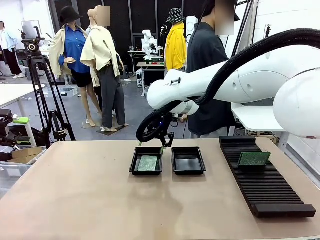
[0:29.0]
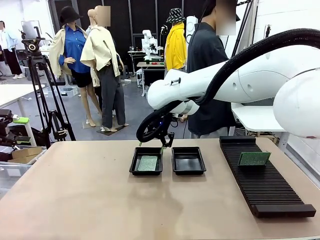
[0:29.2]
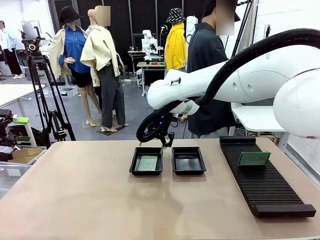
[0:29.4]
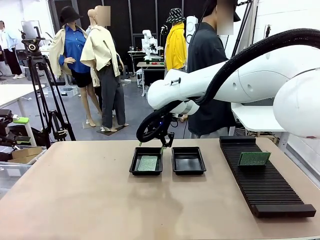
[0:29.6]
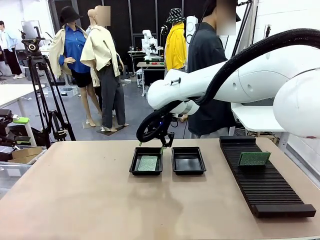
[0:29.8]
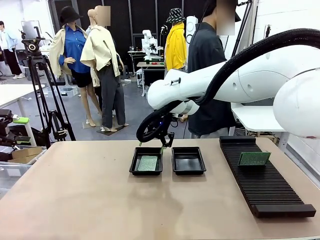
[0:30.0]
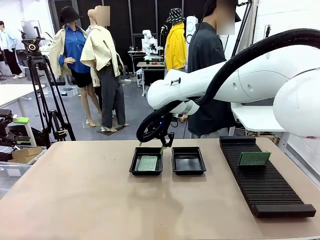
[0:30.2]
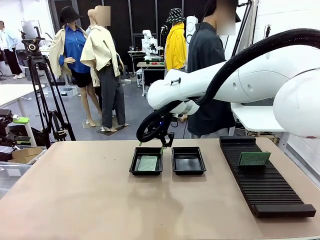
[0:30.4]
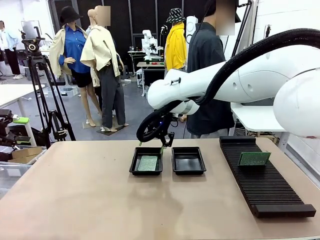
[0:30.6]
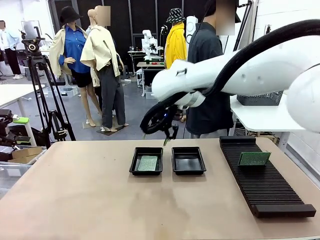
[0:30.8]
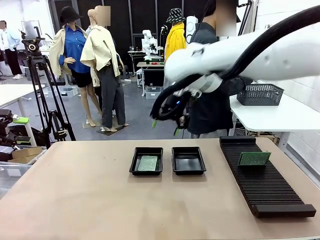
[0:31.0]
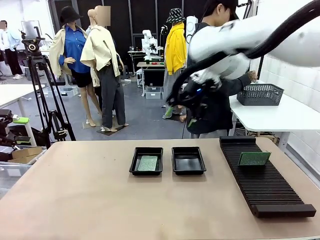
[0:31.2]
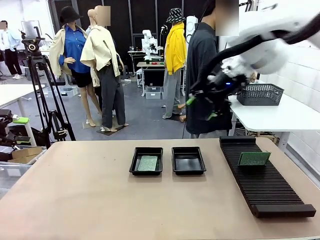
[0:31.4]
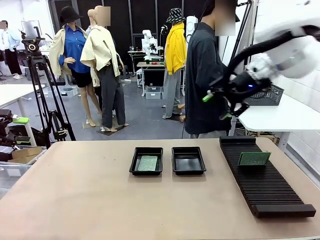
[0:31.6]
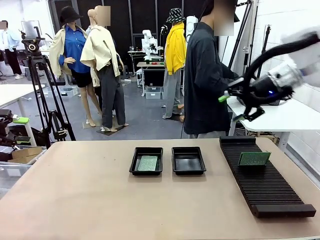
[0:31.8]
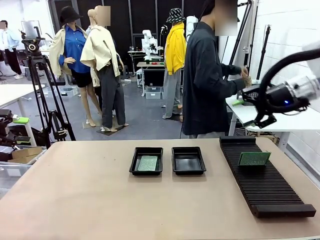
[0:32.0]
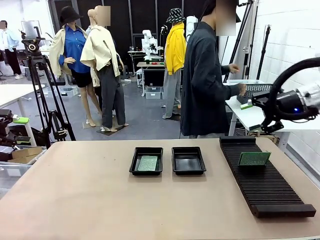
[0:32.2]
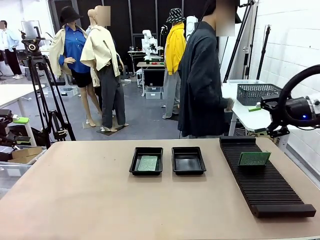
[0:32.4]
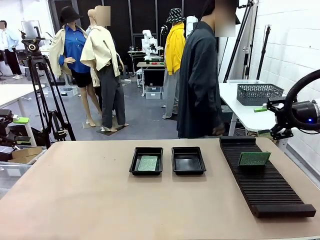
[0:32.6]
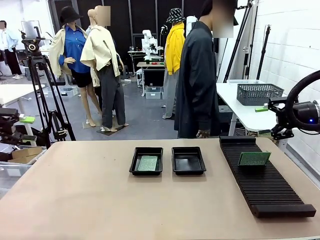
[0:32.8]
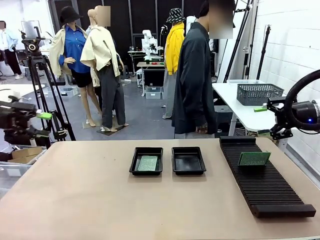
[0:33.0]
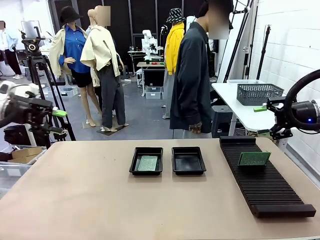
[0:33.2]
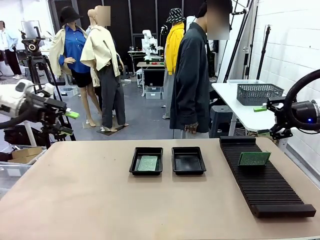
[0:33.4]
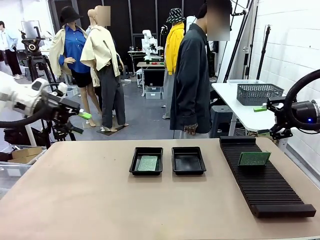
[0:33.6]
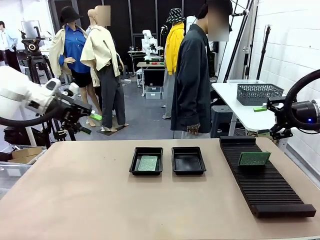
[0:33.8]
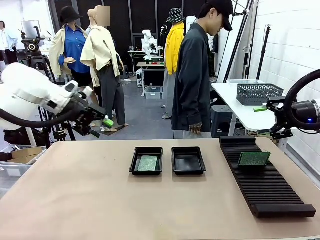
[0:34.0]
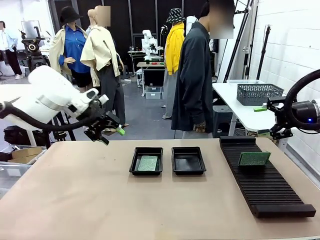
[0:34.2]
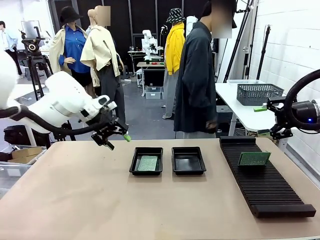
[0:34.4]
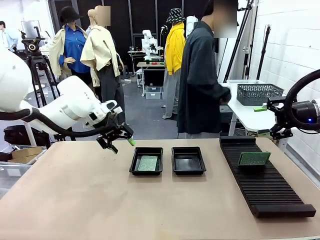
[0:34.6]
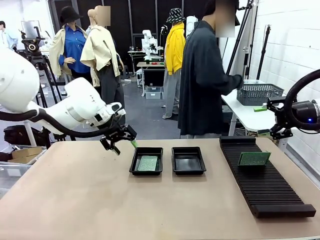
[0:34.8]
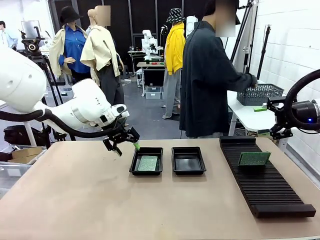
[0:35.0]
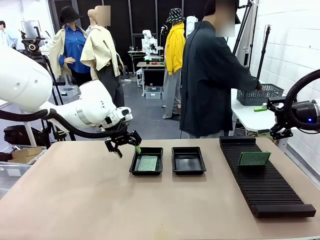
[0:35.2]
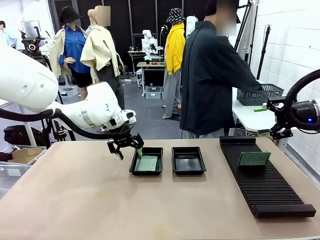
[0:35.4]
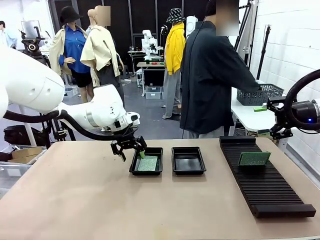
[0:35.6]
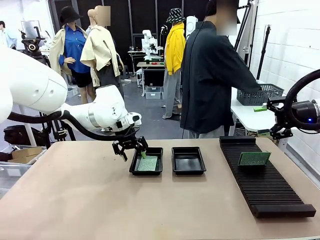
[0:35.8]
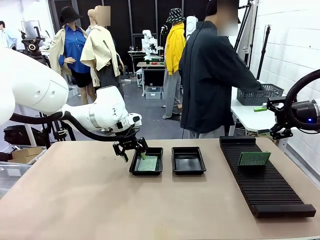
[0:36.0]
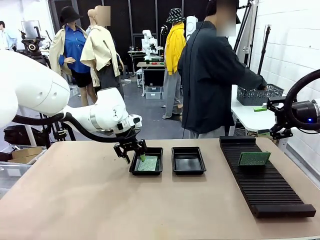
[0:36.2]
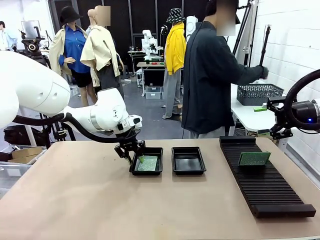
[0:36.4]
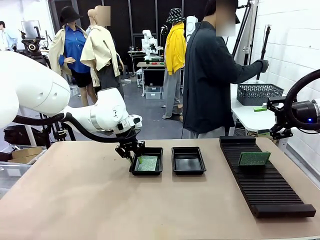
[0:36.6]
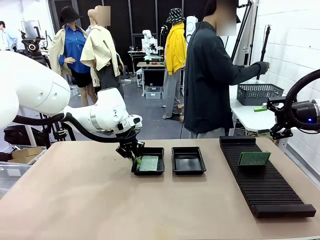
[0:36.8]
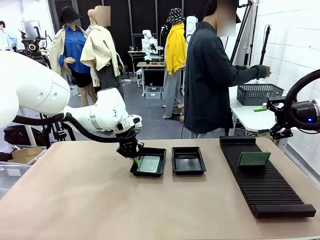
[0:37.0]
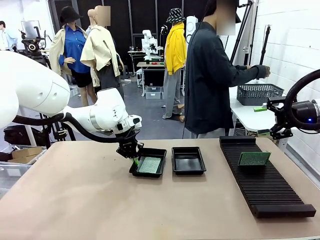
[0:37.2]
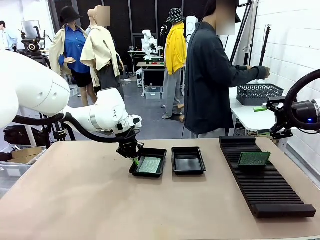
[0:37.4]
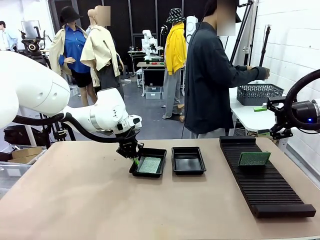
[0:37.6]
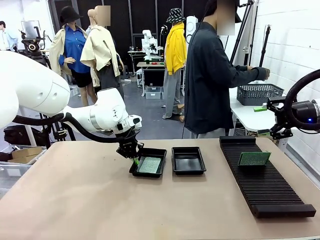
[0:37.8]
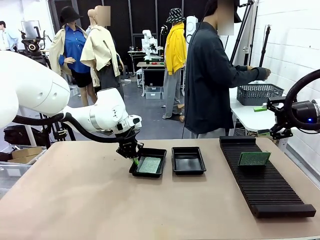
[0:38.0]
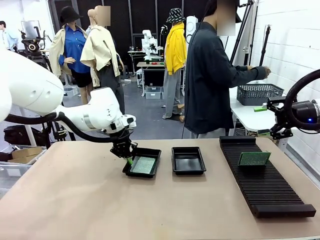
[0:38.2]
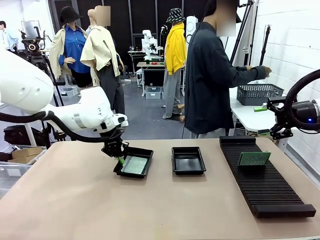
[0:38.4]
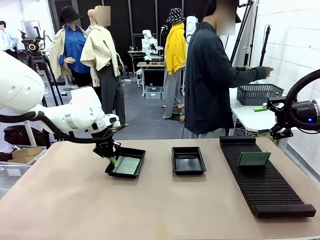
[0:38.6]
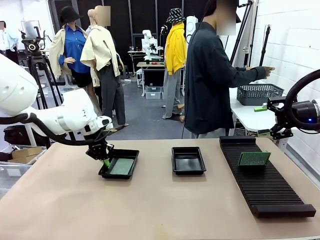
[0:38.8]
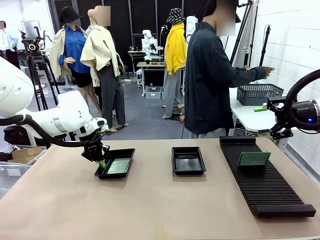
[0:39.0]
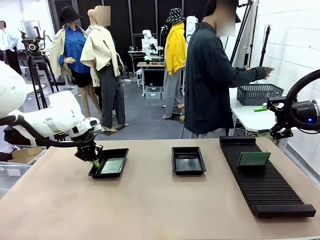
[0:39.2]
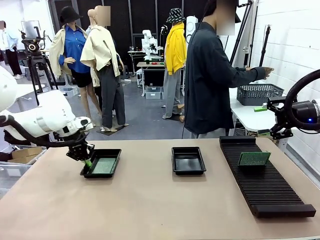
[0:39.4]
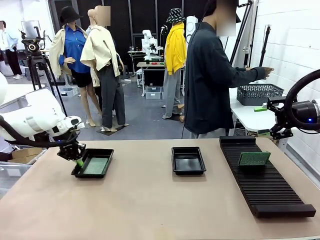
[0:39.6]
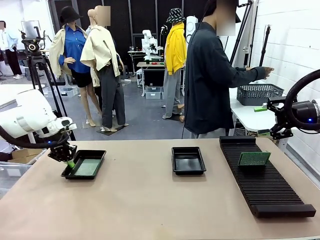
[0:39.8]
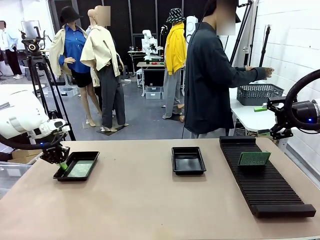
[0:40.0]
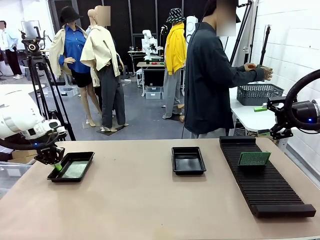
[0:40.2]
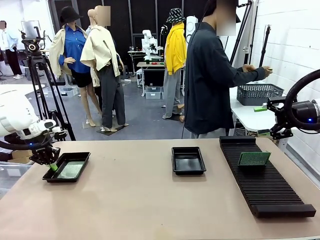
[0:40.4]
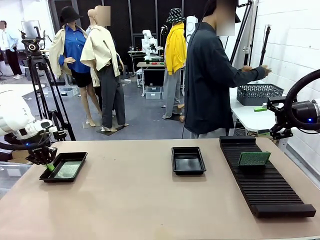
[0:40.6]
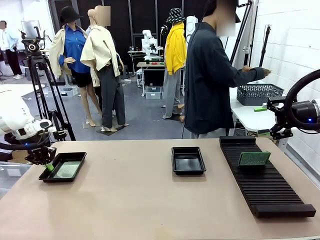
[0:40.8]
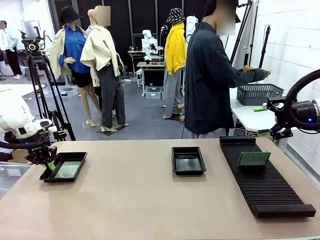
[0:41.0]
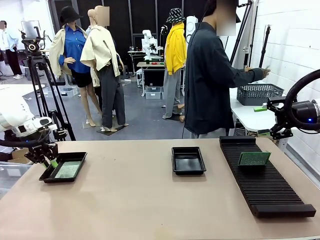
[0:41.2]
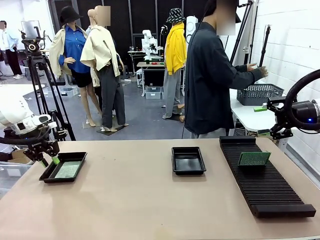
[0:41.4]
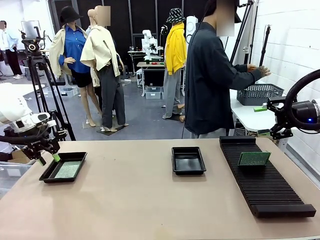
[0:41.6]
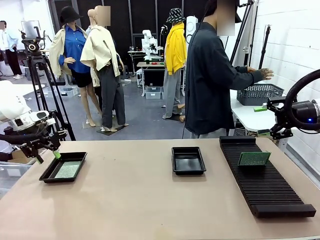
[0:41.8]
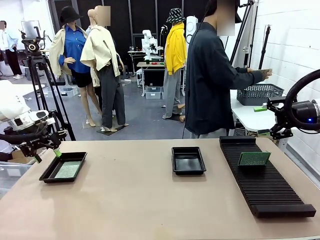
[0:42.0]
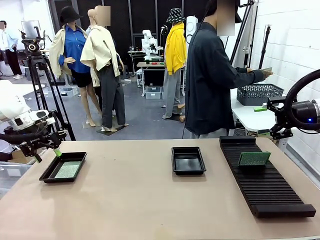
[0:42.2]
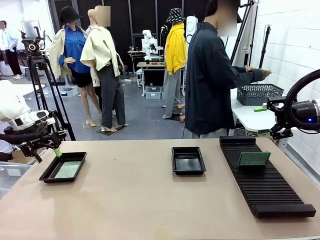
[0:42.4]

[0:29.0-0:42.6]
Task: Inspect and transfer BCBs to ESD trays.
Robot: Pick up the ESD tray and place it on the left side of the table.

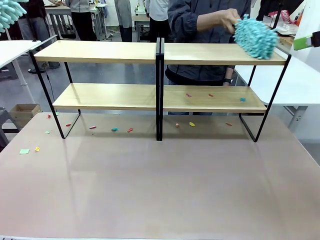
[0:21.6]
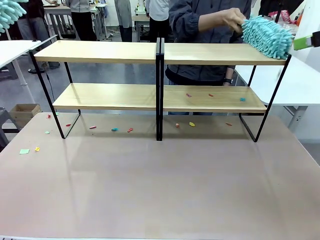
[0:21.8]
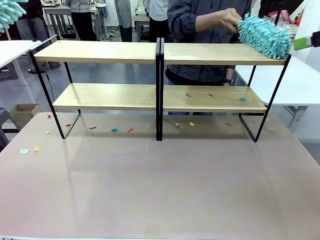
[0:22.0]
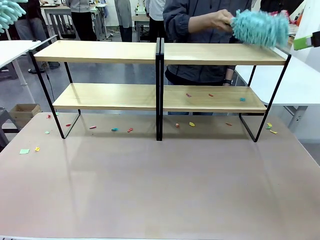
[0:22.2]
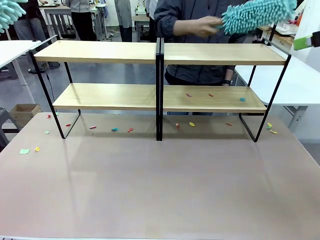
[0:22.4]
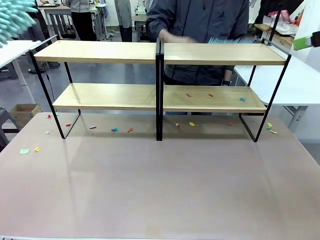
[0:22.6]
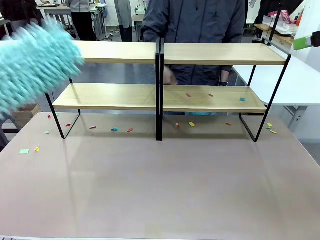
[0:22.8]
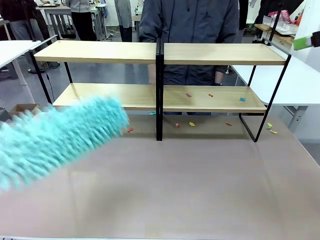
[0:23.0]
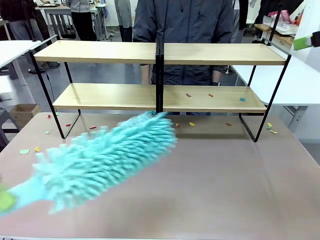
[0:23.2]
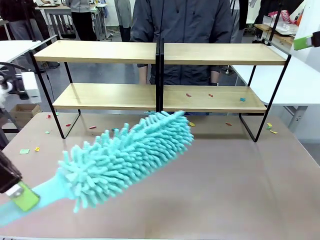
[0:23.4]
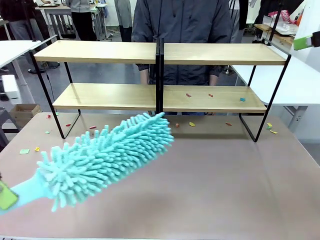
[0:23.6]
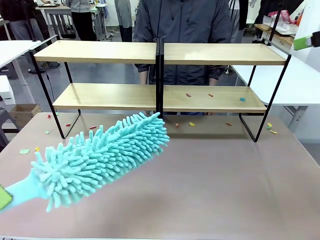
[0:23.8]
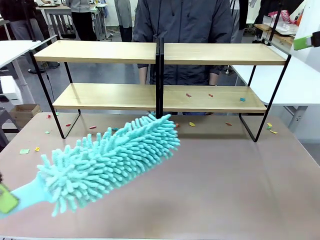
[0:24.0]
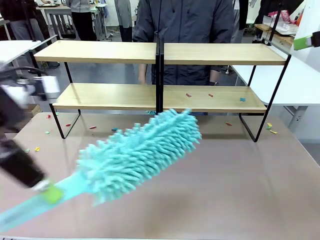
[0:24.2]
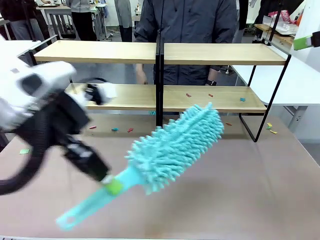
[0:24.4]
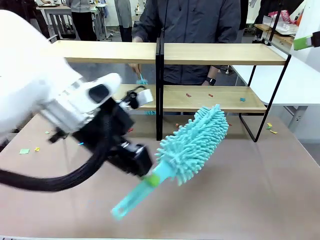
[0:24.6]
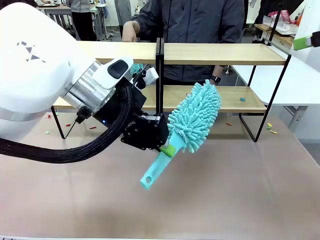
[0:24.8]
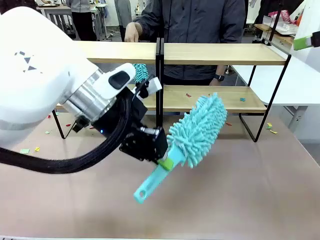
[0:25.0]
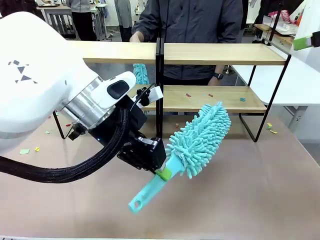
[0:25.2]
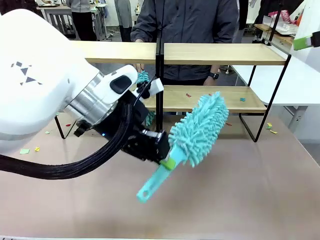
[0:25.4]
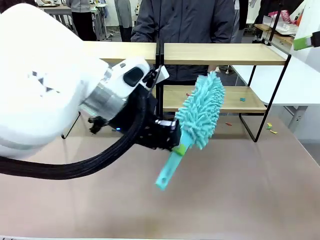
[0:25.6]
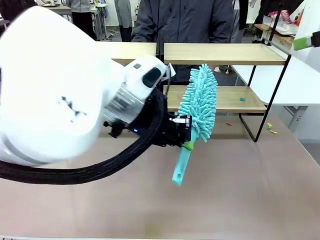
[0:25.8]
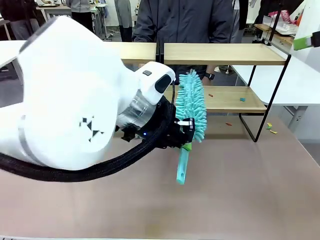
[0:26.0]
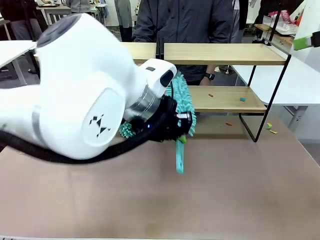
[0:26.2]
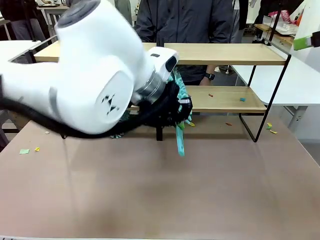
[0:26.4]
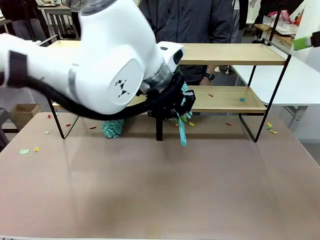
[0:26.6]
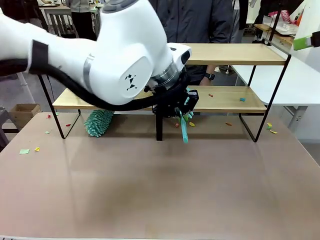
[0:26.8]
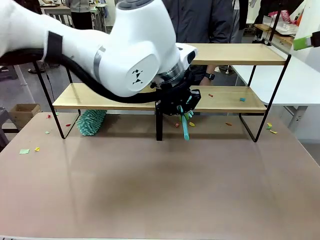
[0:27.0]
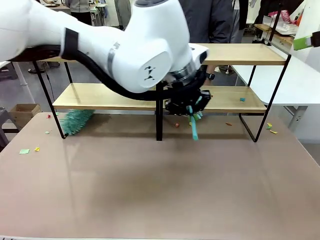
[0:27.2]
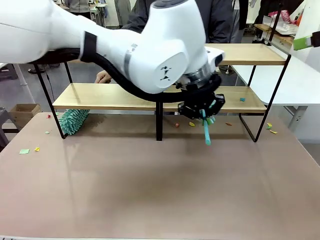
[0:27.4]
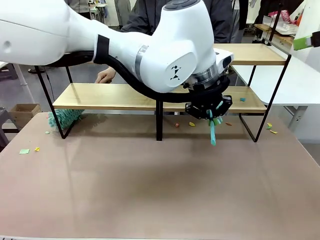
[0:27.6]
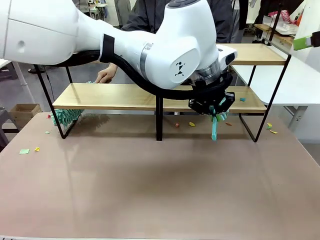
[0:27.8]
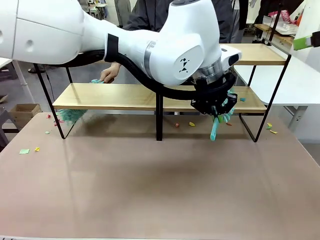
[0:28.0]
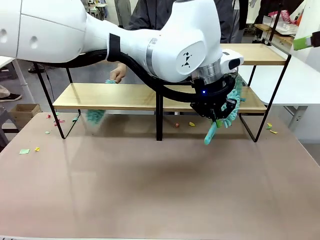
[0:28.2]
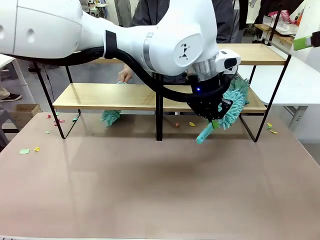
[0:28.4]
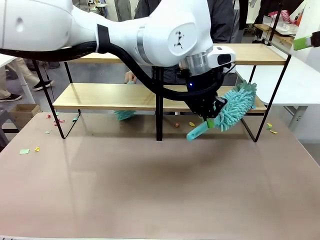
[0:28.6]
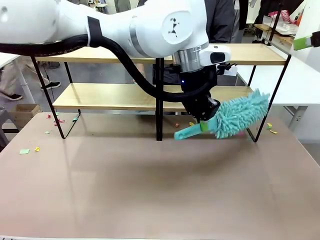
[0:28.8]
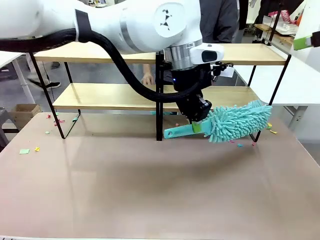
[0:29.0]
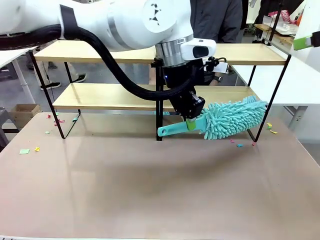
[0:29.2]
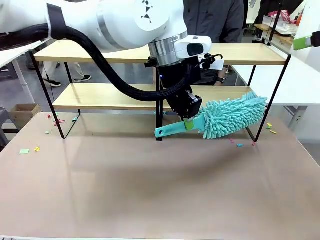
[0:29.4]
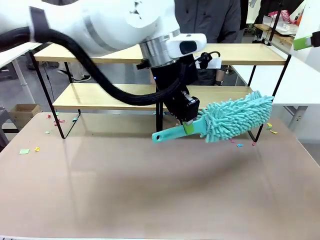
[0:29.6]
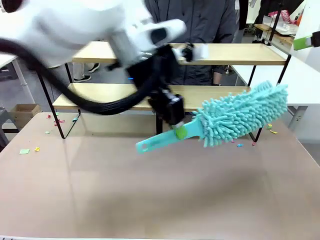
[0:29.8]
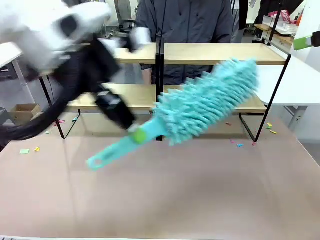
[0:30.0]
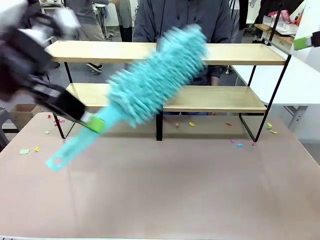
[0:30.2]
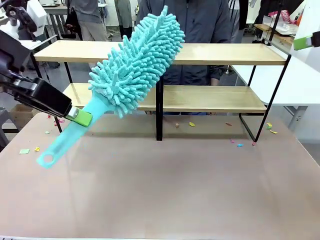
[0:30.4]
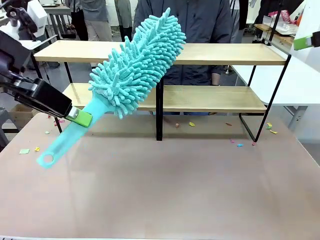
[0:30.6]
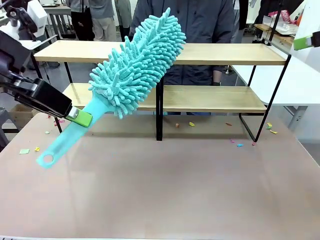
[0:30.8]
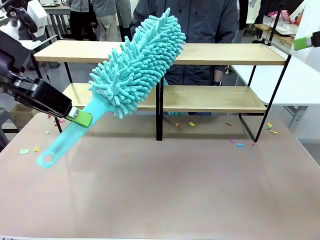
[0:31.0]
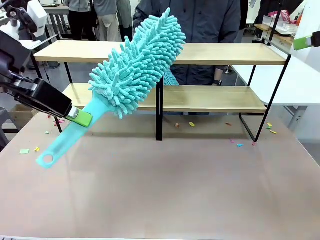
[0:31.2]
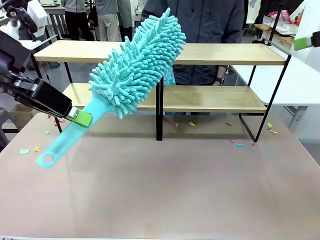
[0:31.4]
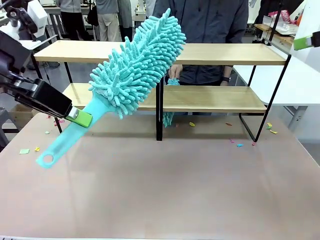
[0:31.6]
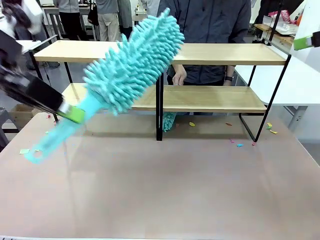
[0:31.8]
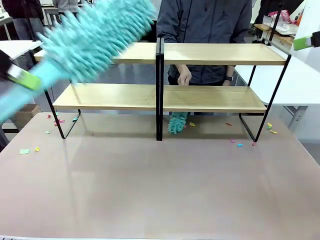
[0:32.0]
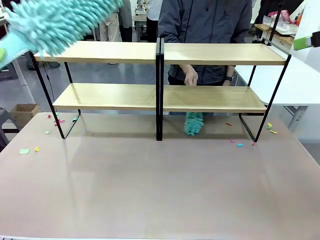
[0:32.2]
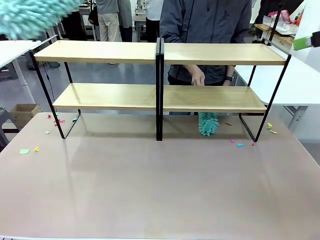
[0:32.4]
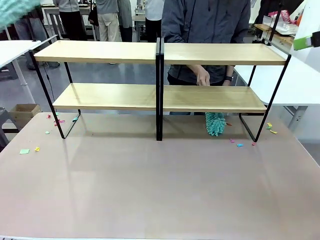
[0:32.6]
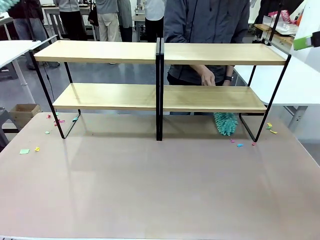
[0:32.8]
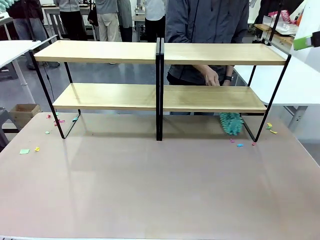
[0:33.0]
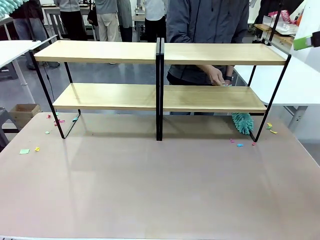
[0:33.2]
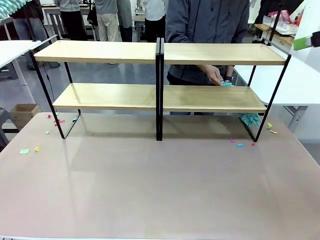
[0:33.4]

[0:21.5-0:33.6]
Task: Clean the shelves.
Robot: Clean another randomly selected level of the Shelf with the Duster.
